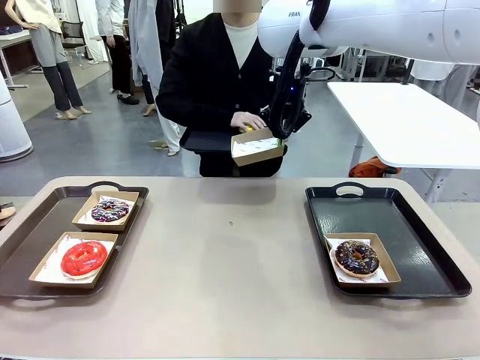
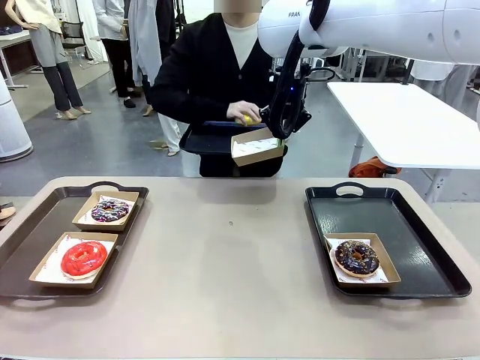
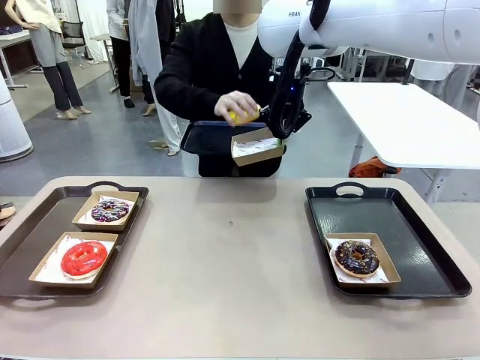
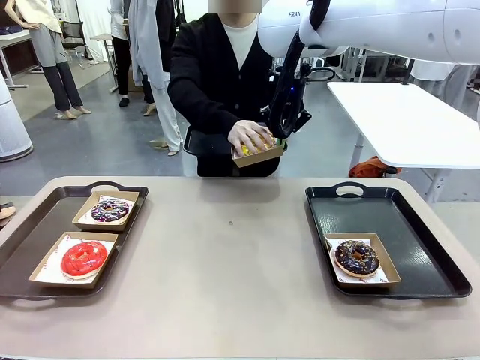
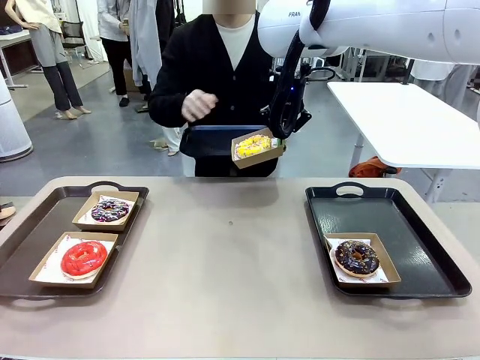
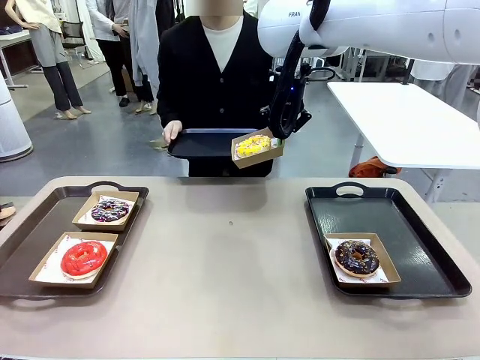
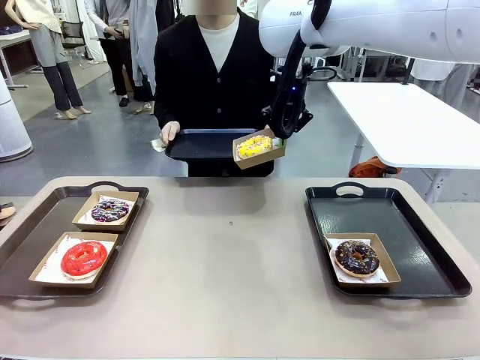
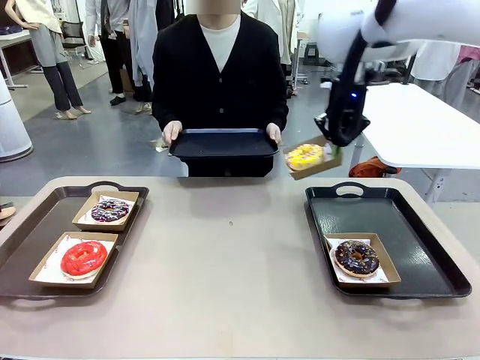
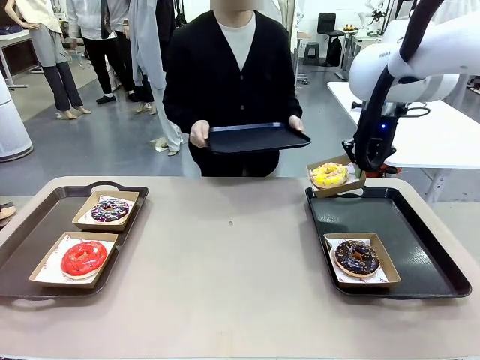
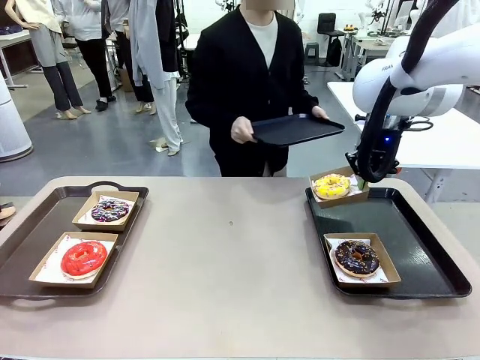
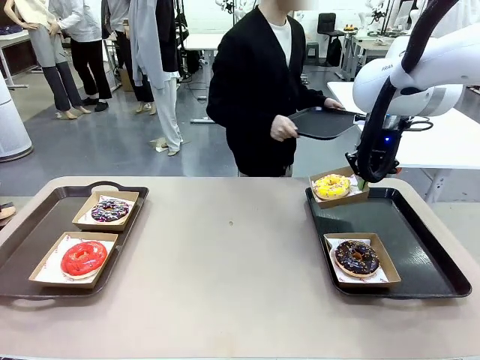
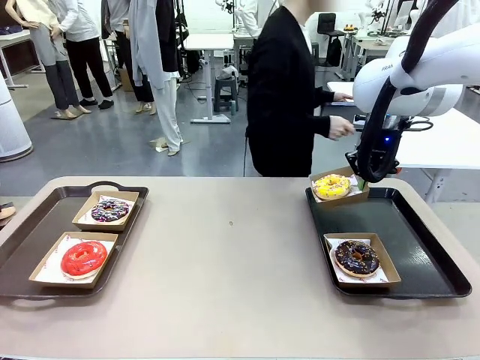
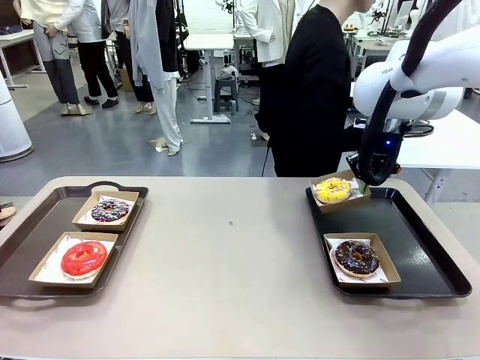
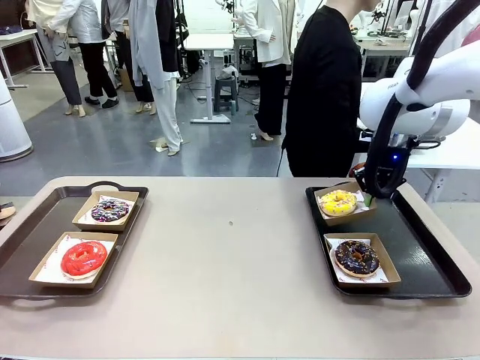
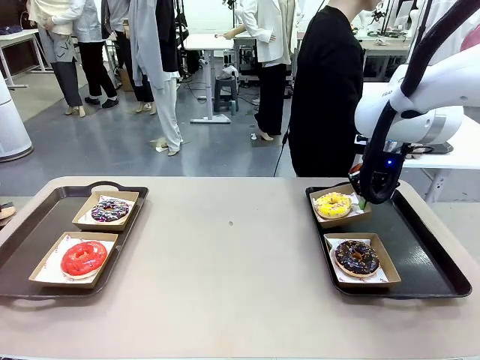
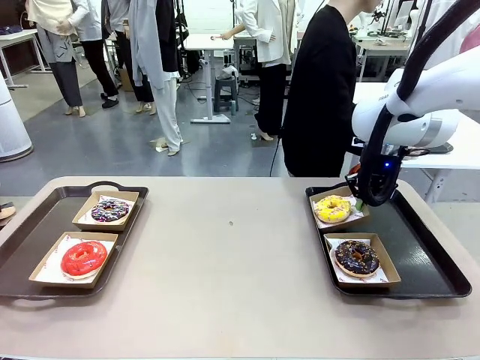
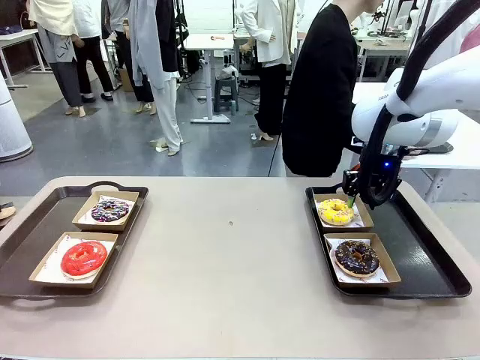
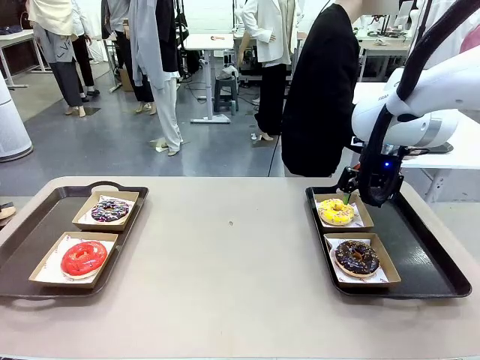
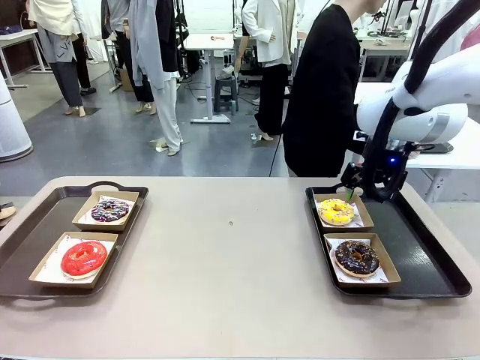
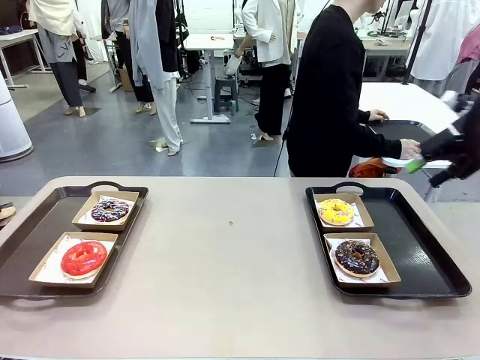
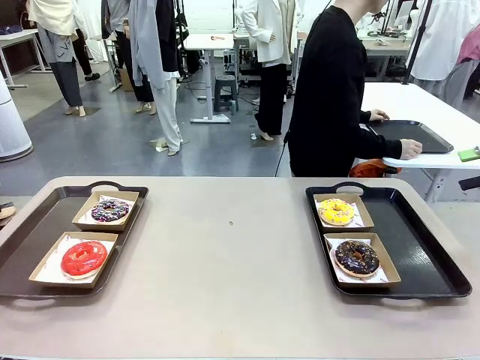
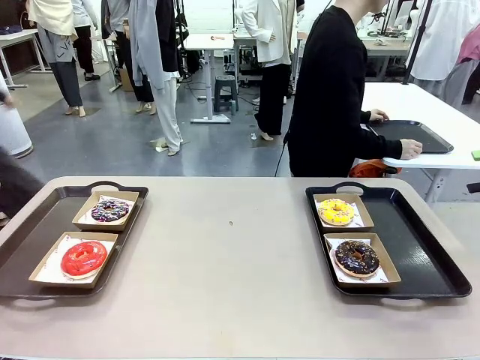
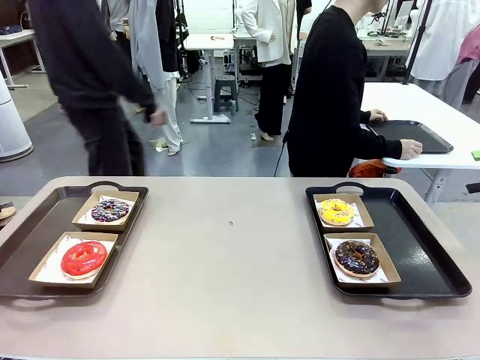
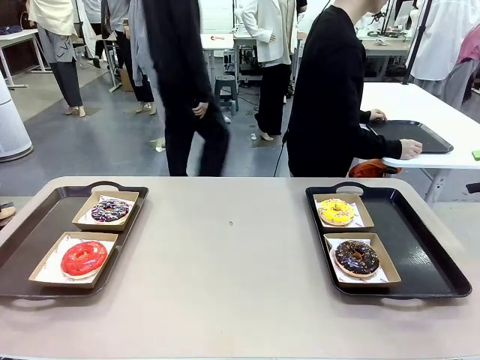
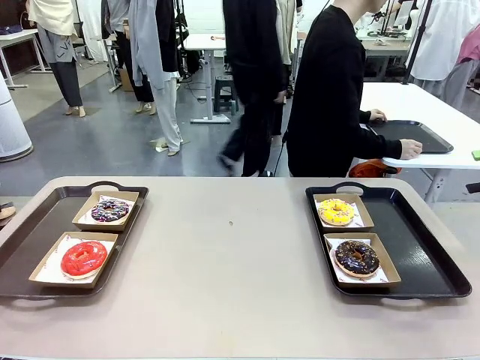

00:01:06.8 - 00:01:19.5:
Task: Individually package the donuts and arrange them on the tray.
Robot: Place the picked Paper togo box on the Handle tray.
Person: Place the tray down in the middle of the human table.

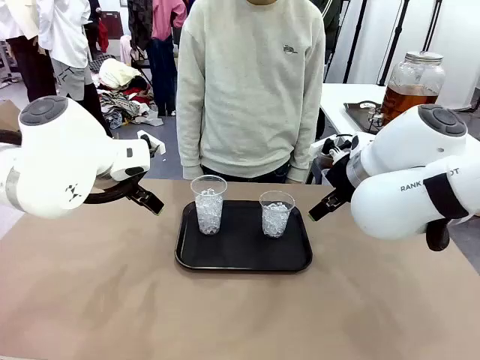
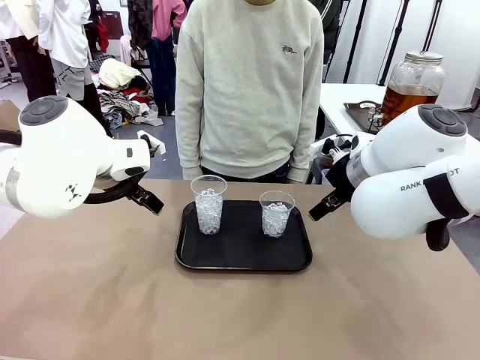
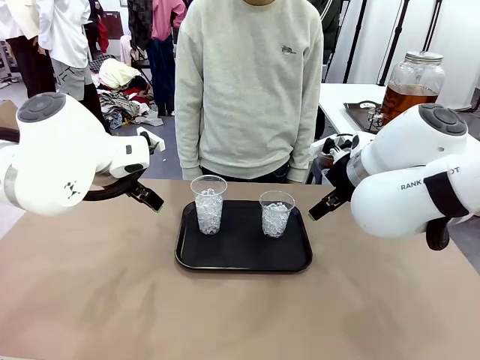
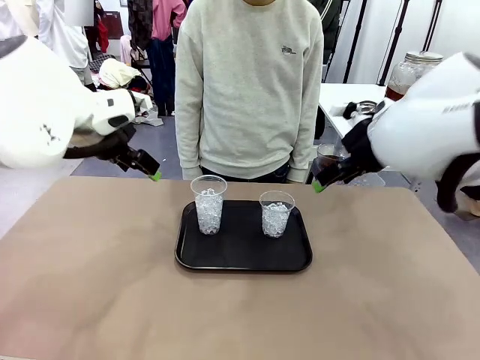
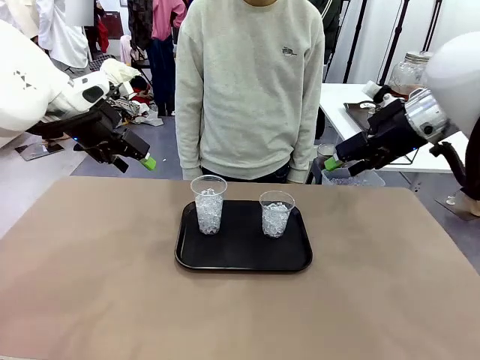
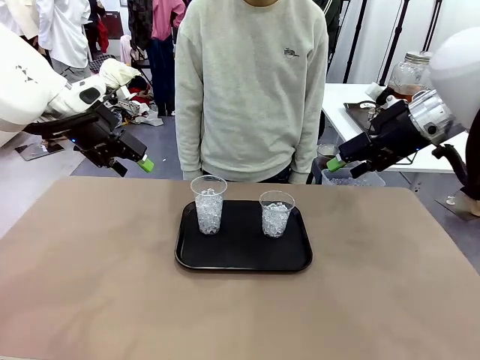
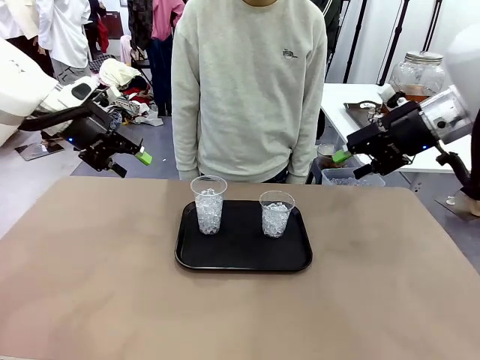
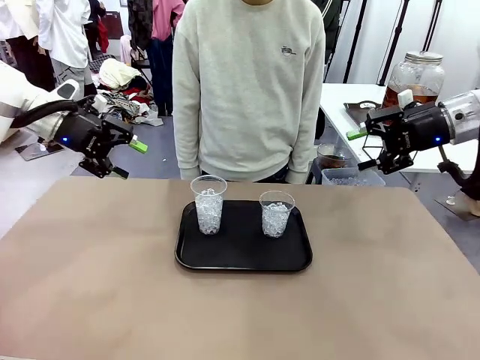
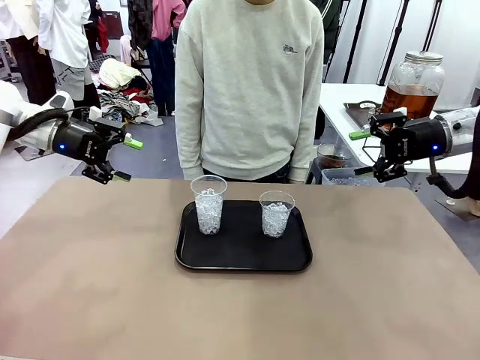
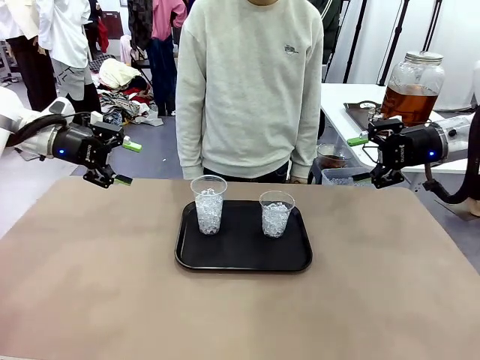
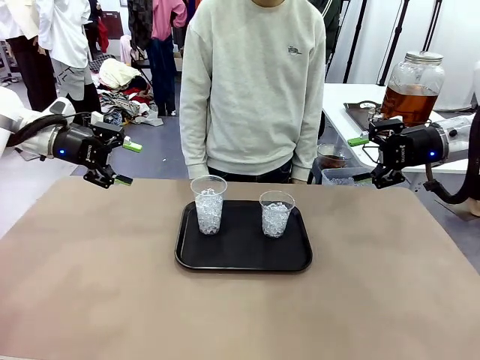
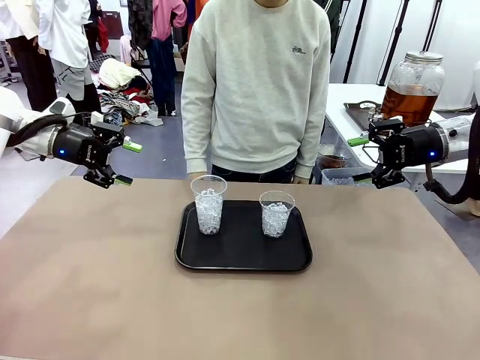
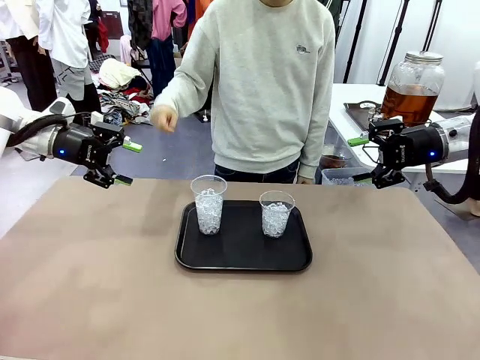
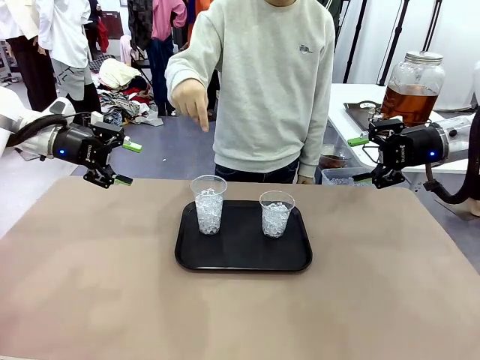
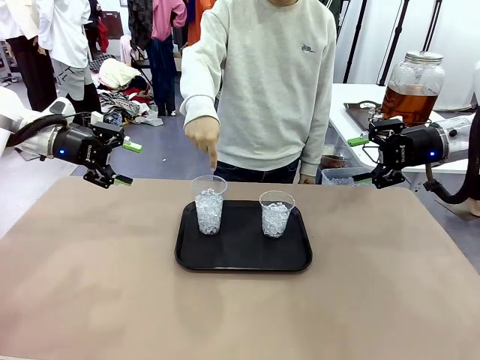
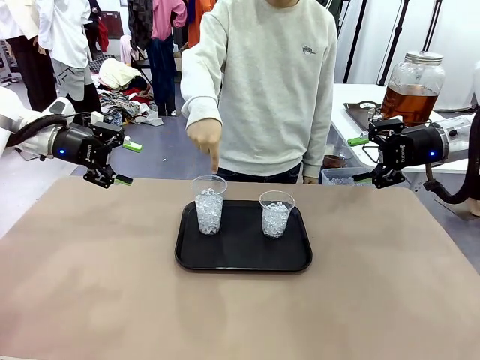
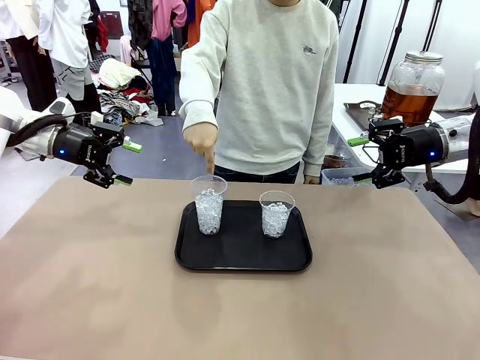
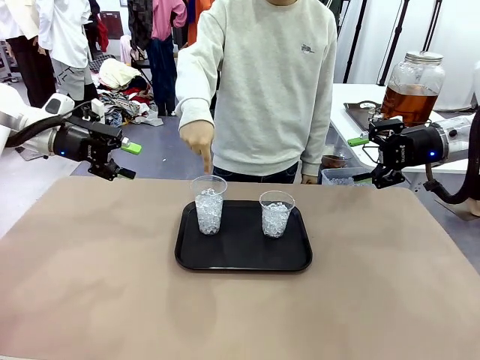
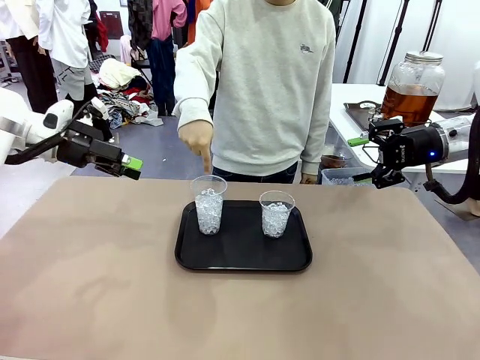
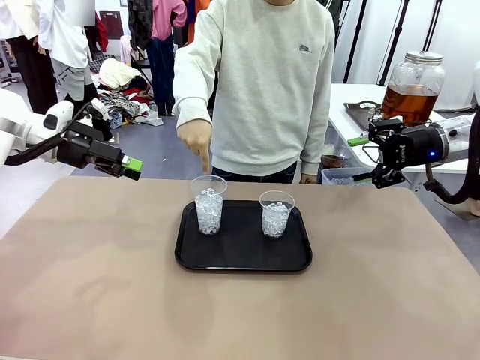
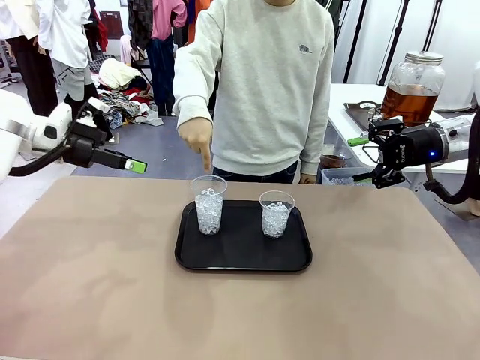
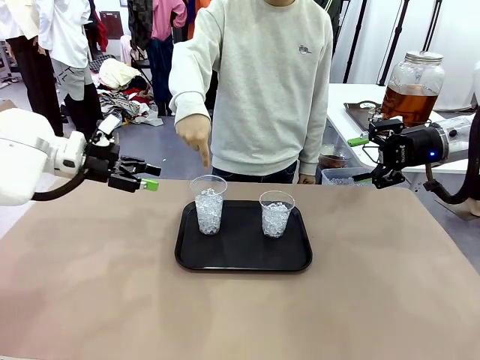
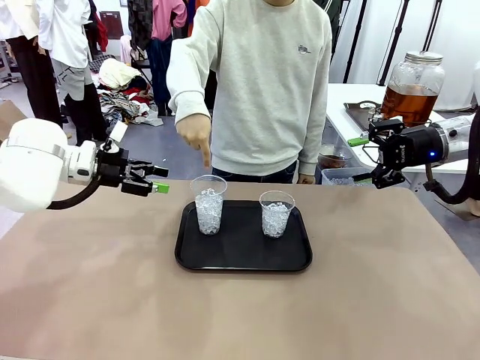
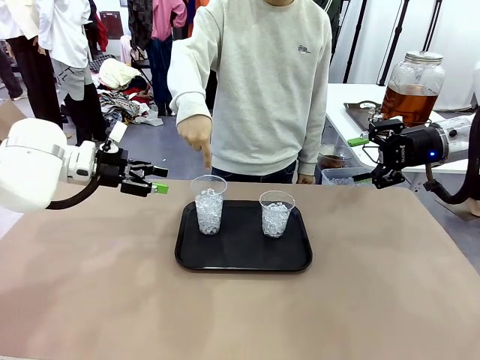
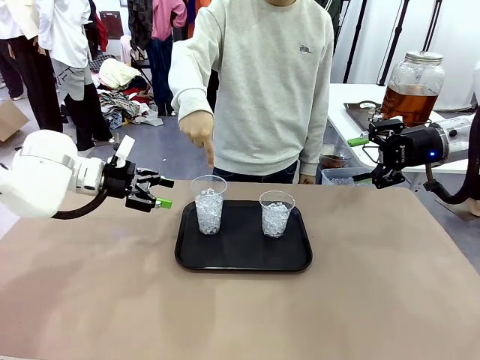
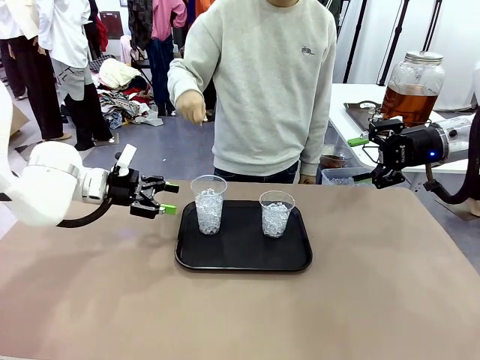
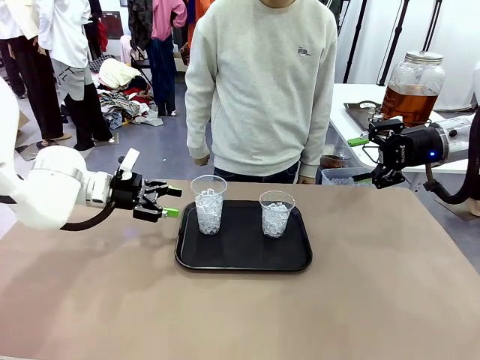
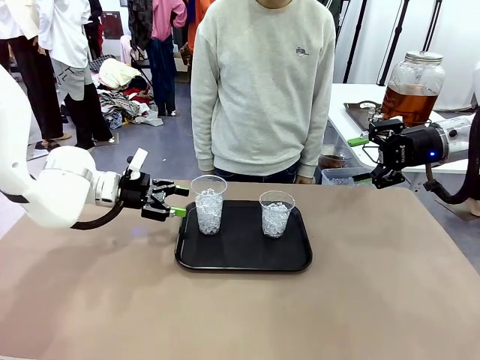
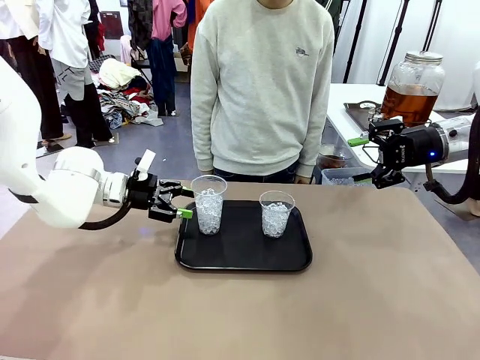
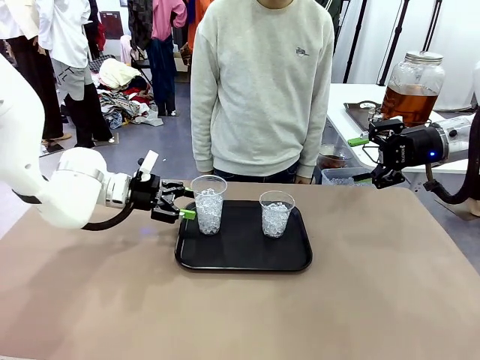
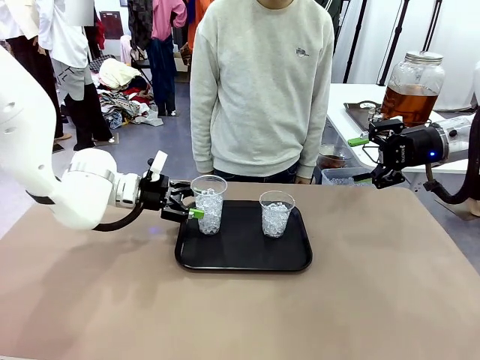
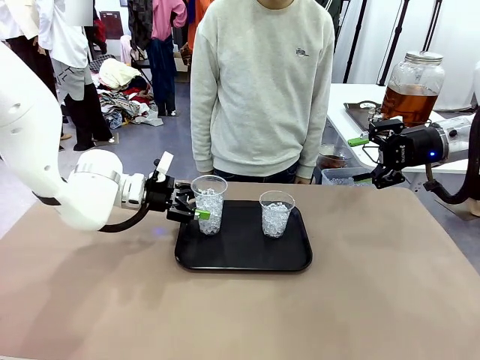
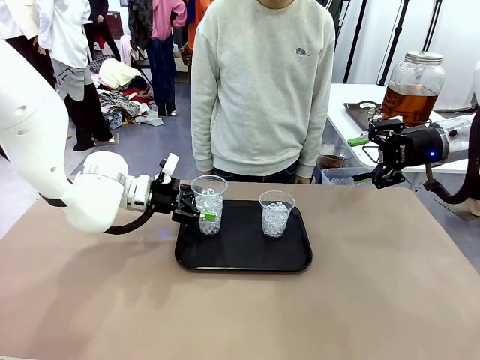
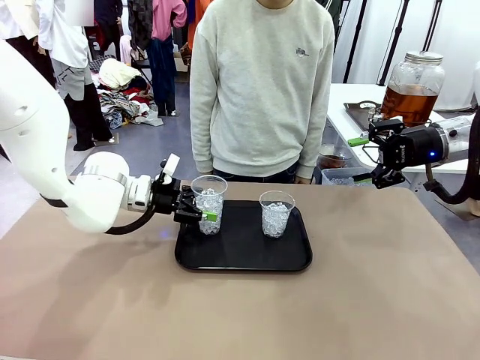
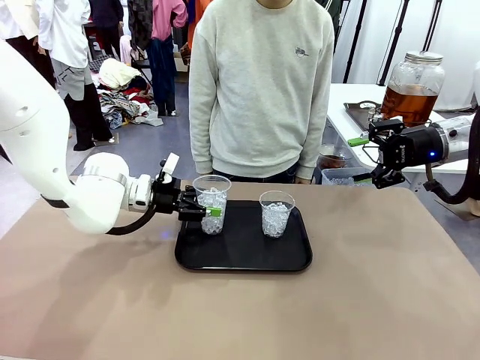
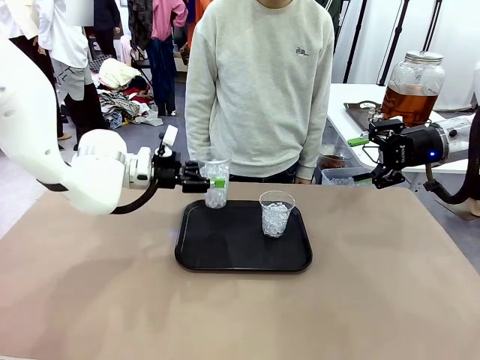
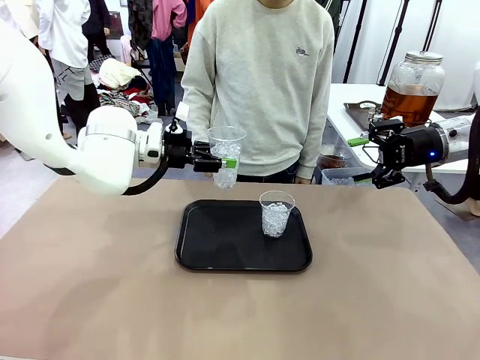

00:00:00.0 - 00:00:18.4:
Task: Pour the drink into the iced cup.
Robot: Pick up the iced cup indicated by the human and present it to them.
Person: Point to one of the two ice cups. Pick up the cup offered by the robot.
